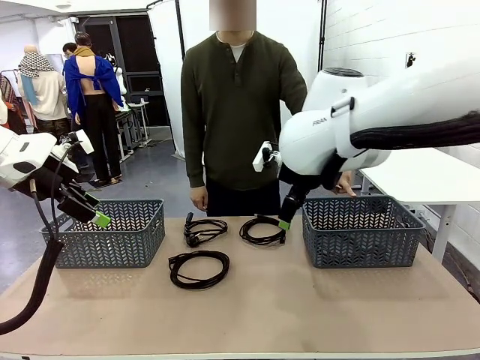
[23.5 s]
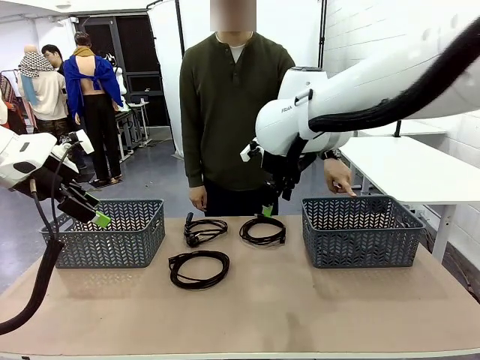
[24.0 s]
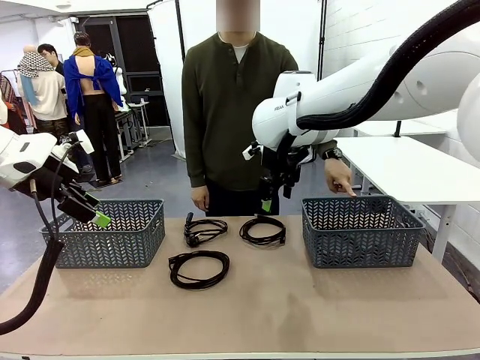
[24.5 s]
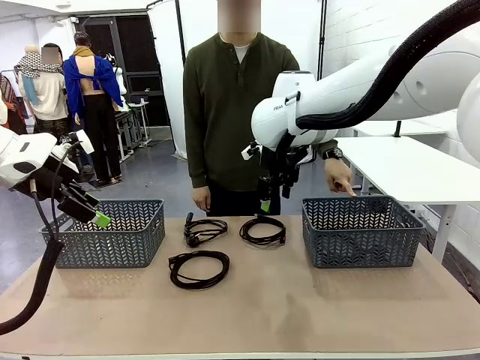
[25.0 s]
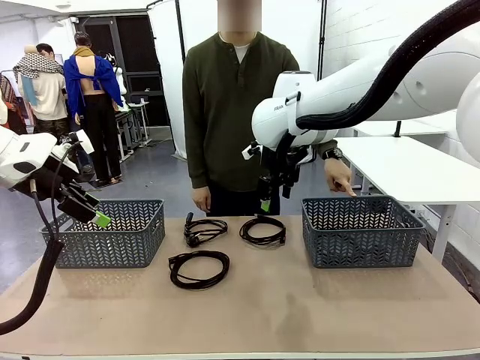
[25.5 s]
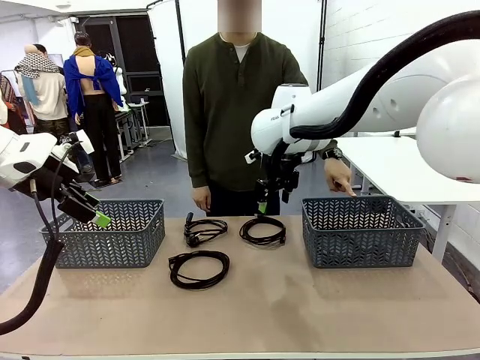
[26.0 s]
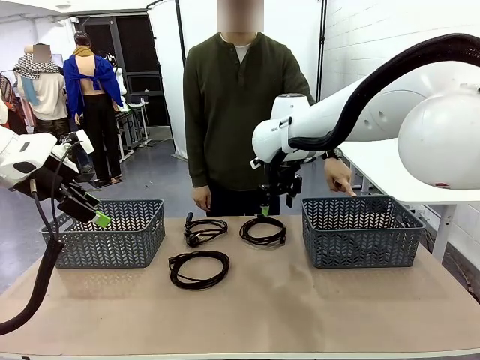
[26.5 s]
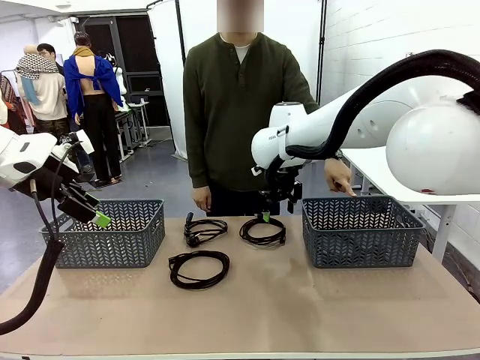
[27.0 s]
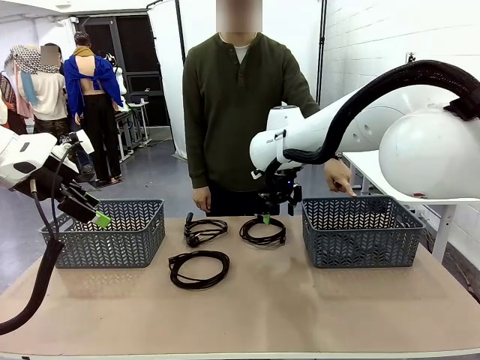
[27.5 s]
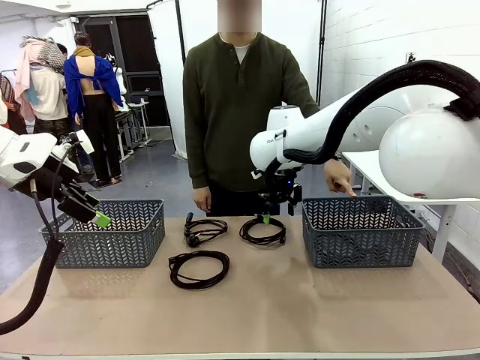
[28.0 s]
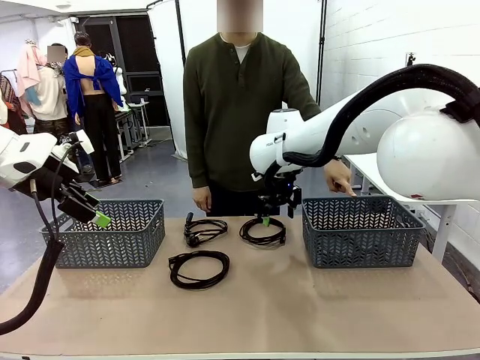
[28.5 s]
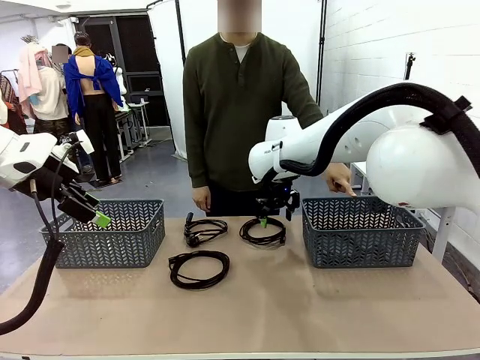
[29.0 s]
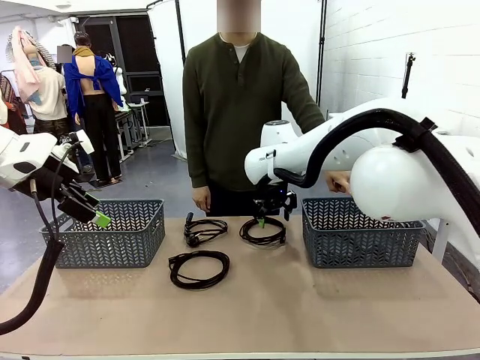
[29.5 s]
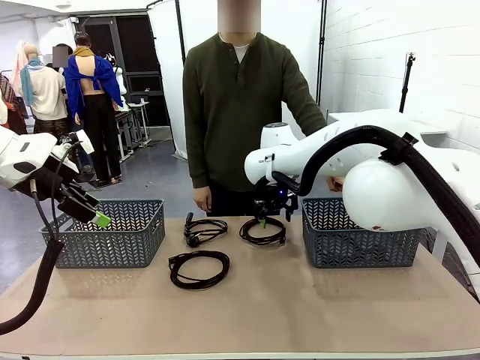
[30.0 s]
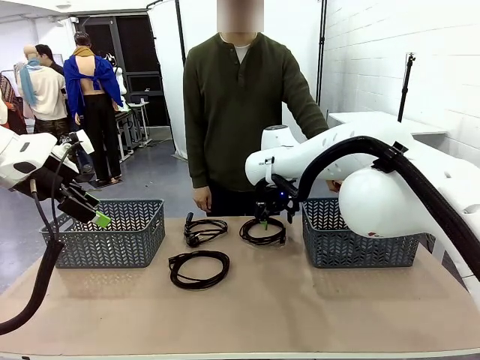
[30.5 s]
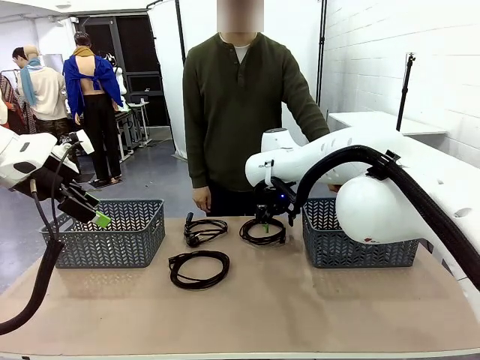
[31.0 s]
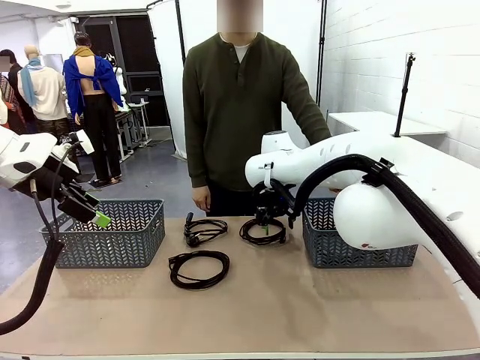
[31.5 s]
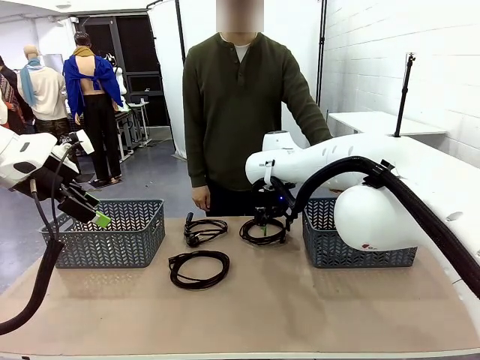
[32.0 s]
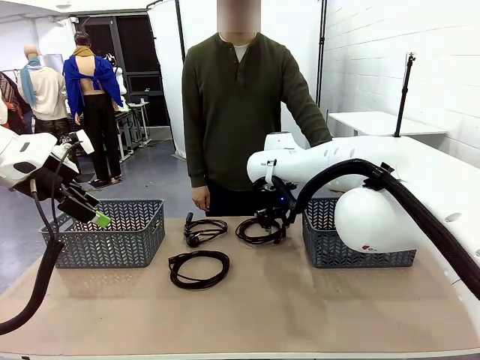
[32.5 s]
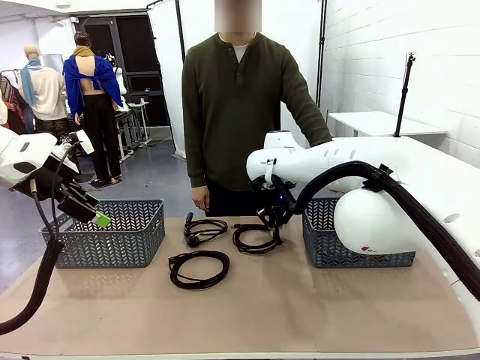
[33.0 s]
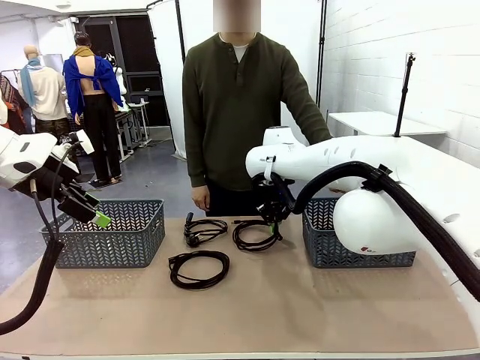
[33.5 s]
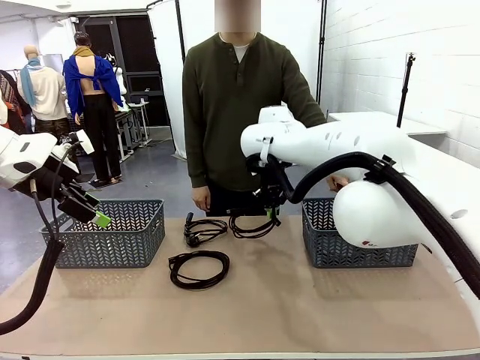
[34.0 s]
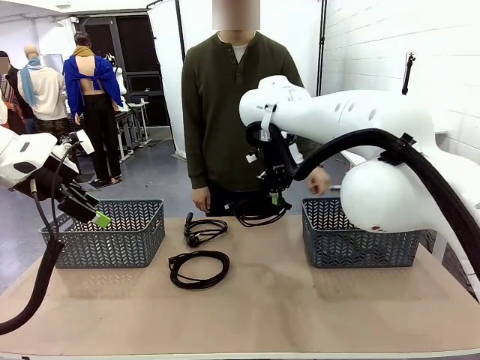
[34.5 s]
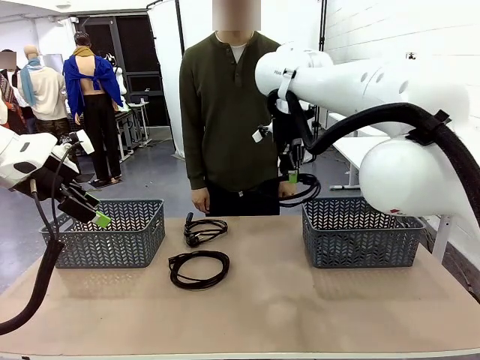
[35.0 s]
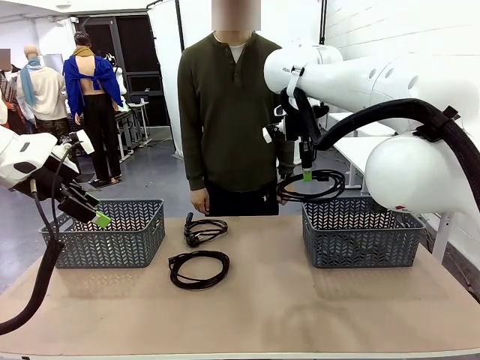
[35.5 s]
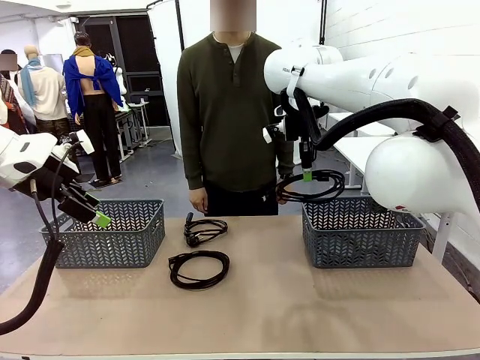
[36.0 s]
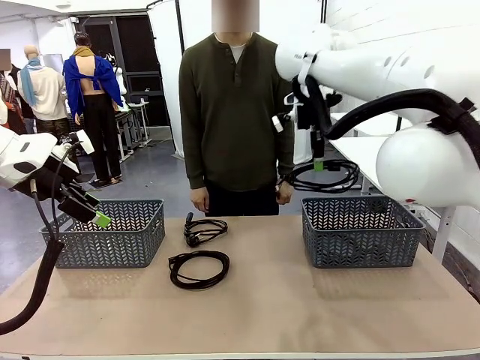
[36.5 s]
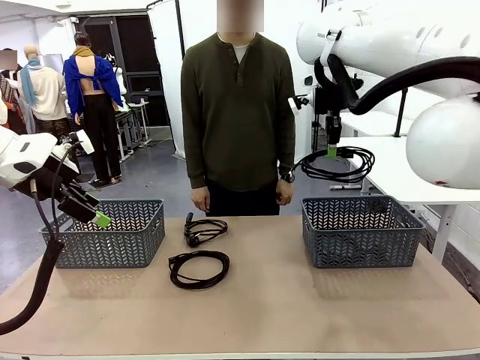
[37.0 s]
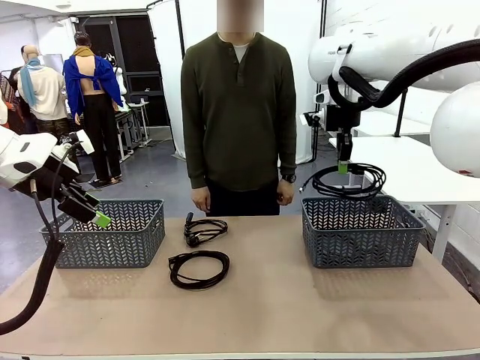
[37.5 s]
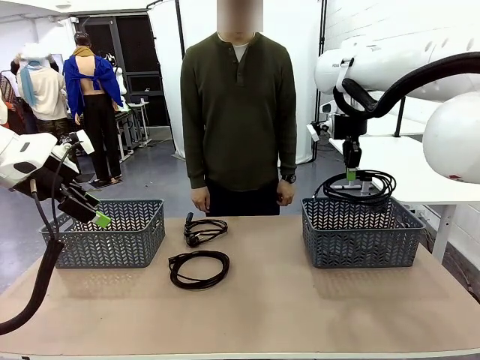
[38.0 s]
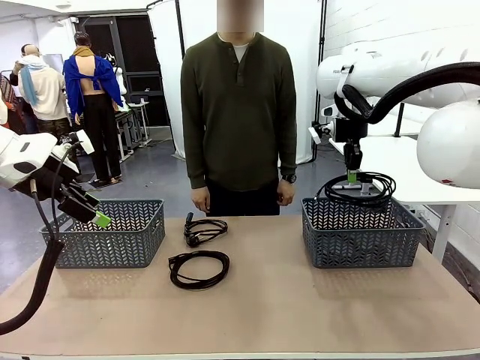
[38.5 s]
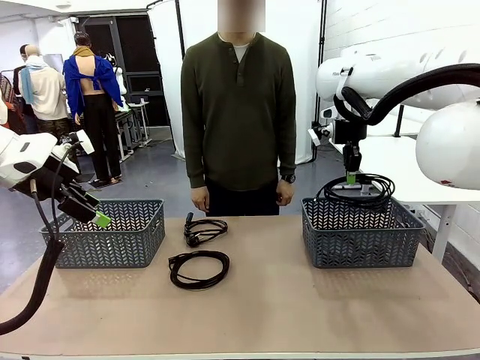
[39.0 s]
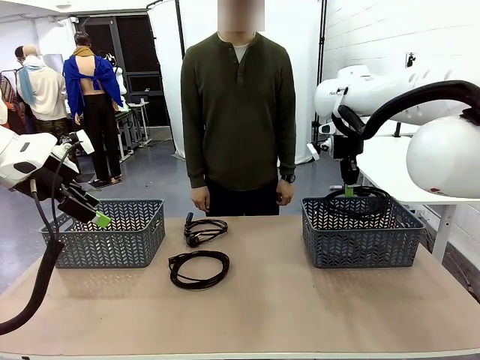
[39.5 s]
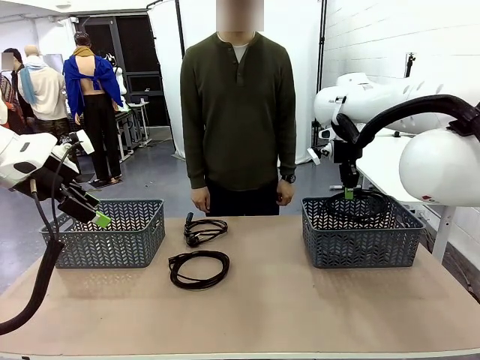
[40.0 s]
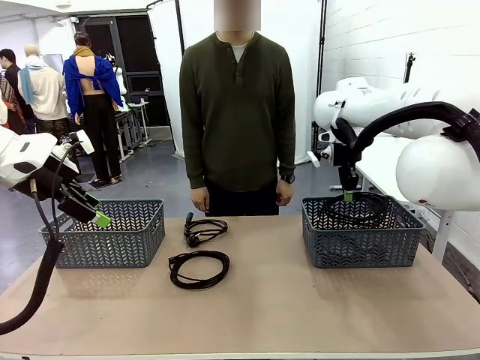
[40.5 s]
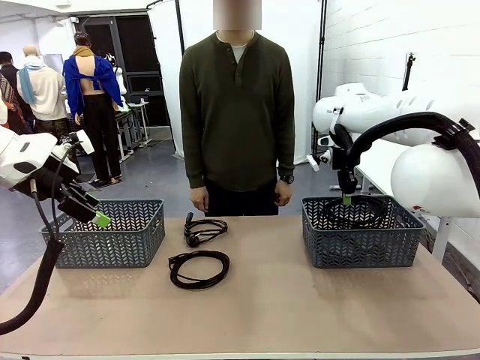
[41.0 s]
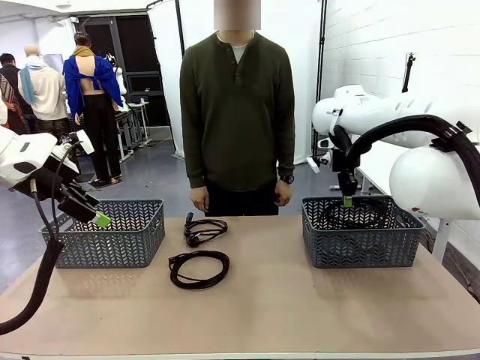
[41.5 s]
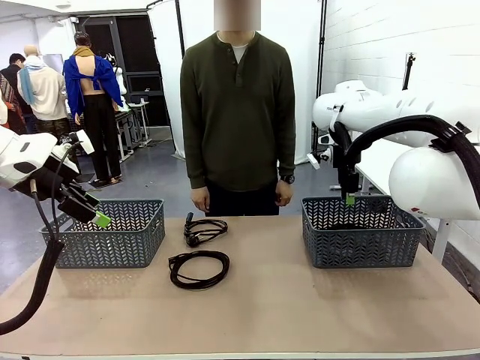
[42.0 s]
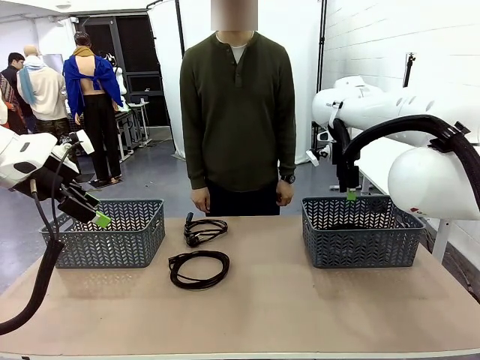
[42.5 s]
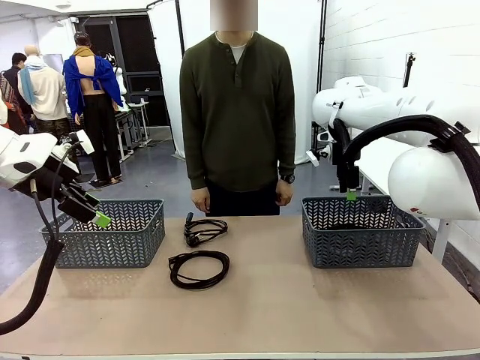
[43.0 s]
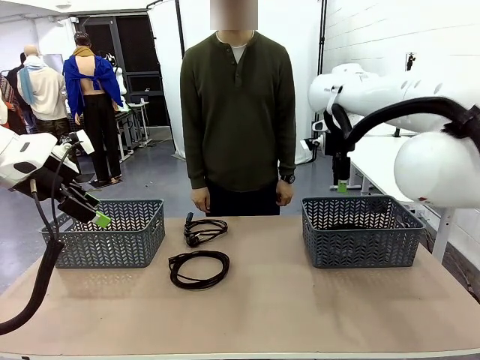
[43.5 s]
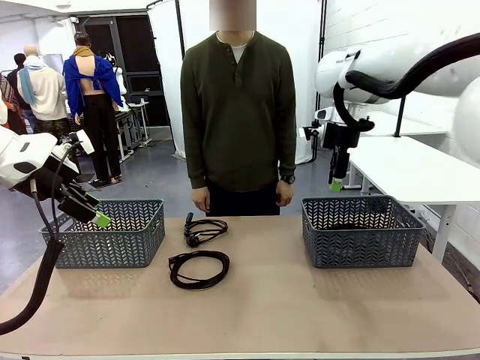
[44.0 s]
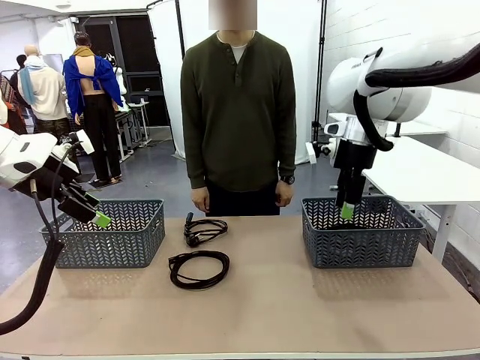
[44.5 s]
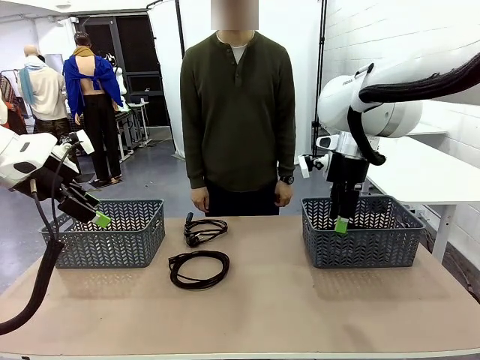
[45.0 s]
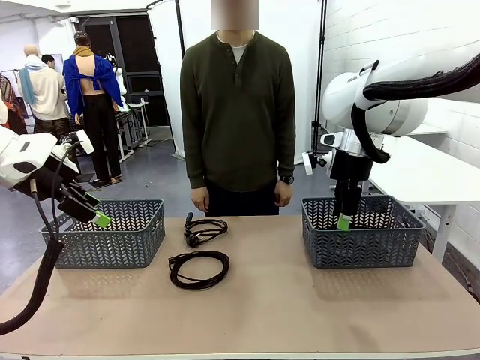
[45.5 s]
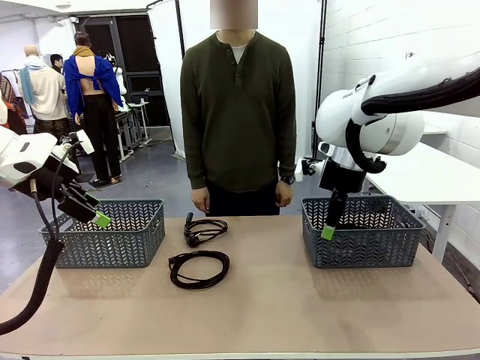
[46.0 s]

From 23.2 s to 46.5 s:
Task: Organize the cables according to human instructions.
Robot: Pick up a bundle of cables and place it in the basket indicated by the human.
